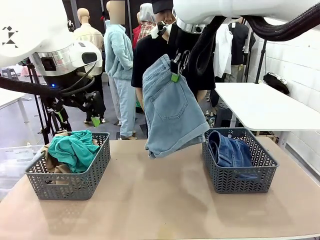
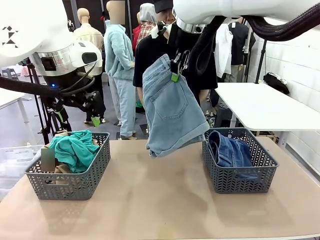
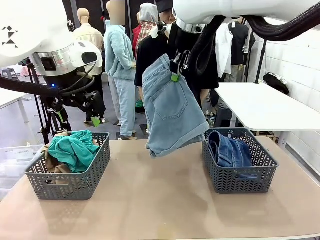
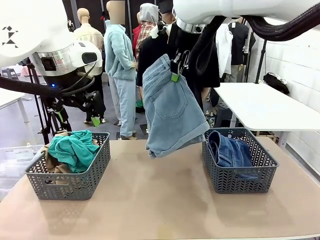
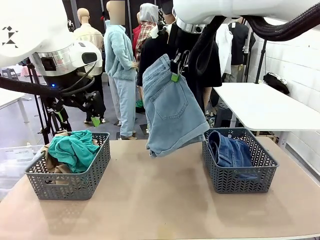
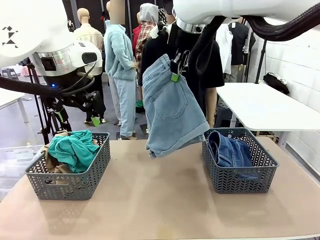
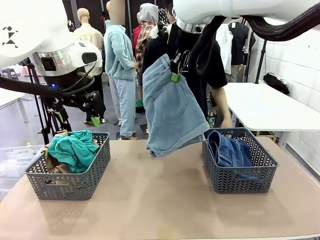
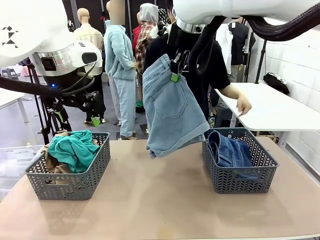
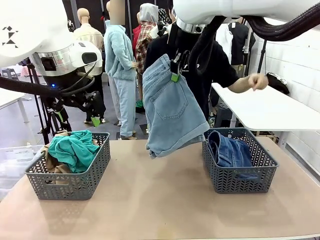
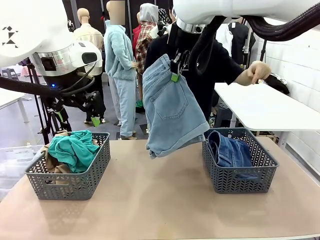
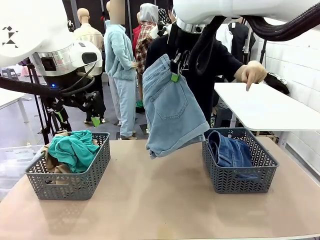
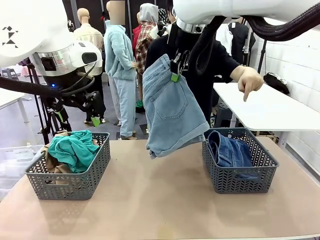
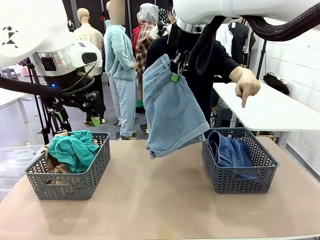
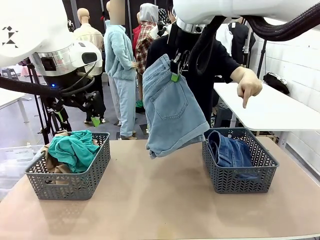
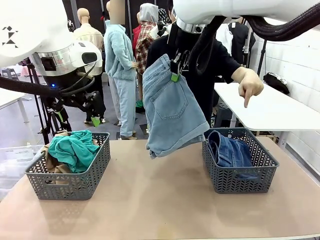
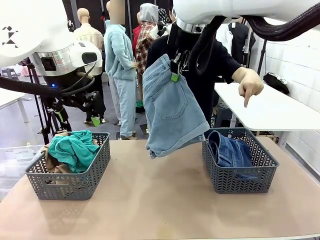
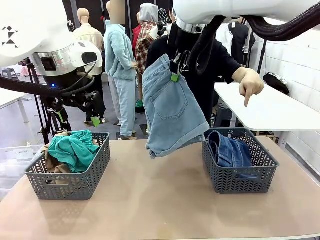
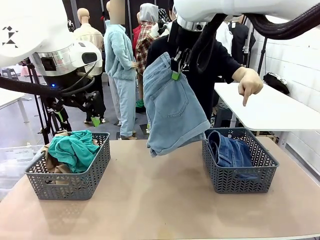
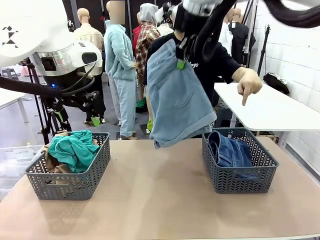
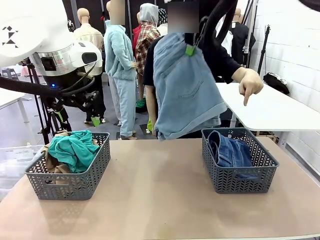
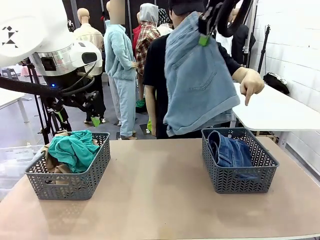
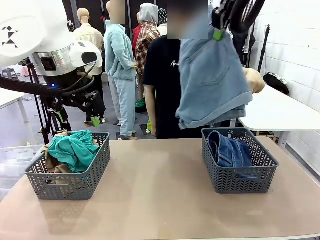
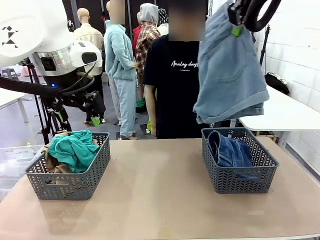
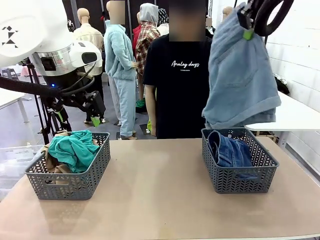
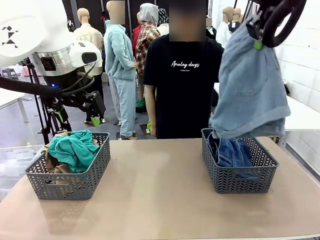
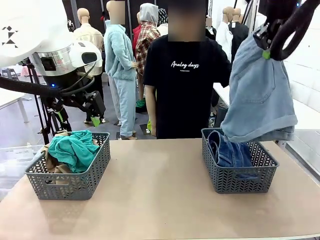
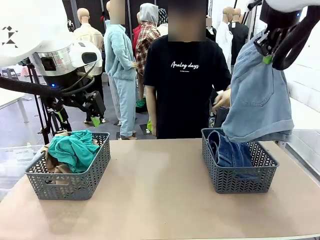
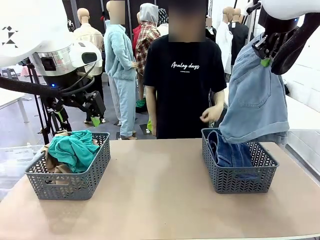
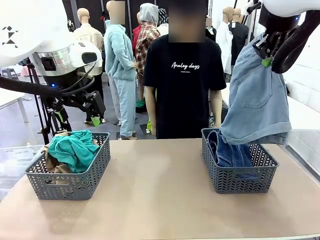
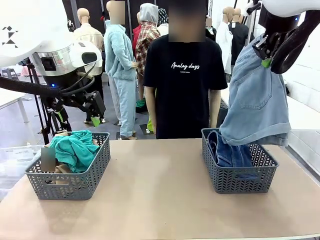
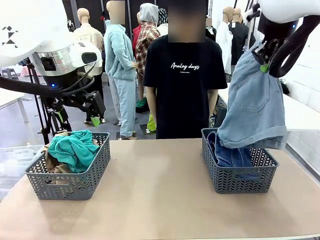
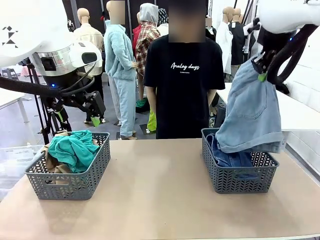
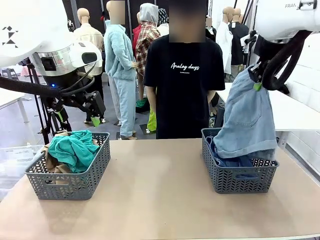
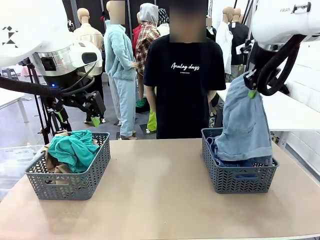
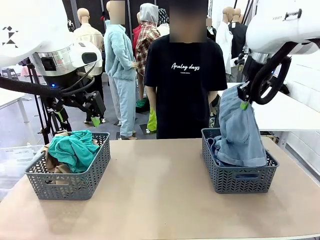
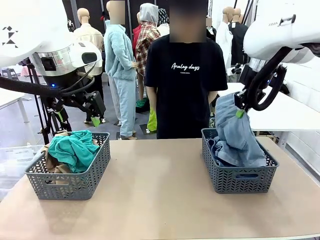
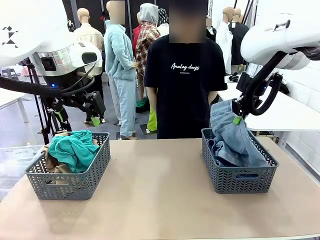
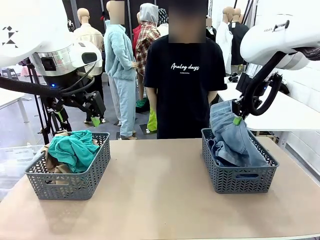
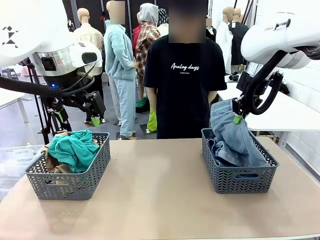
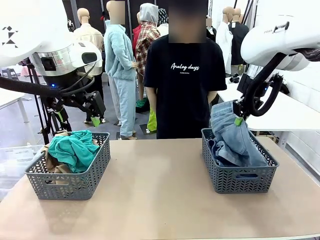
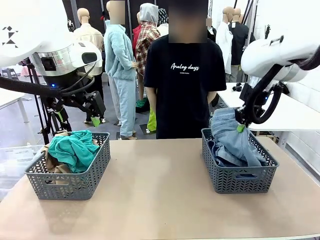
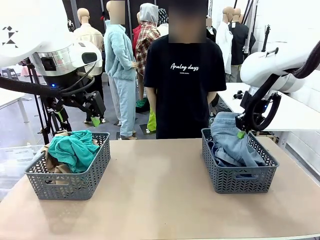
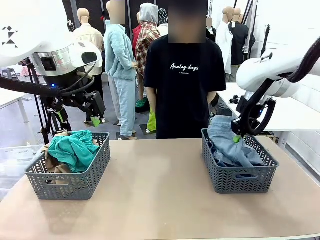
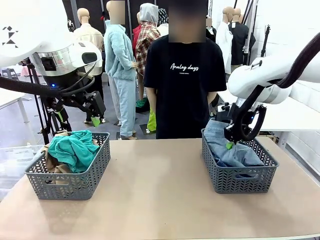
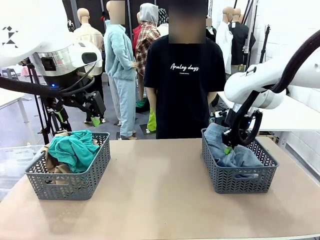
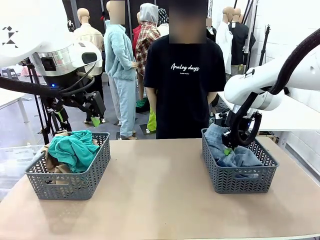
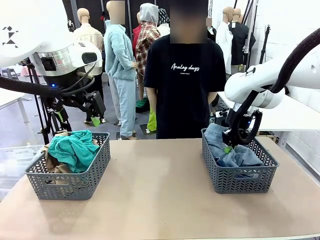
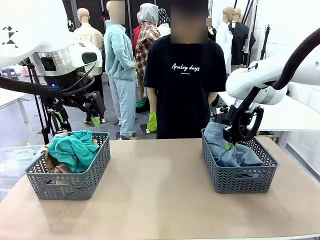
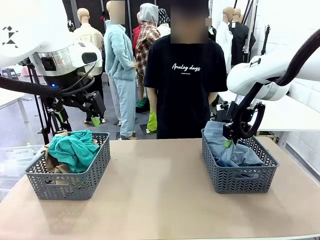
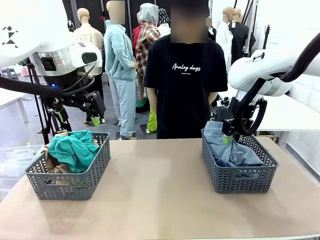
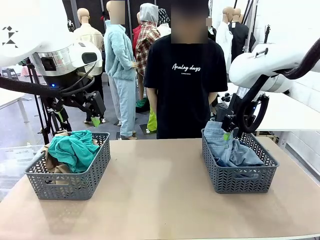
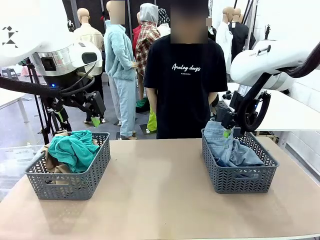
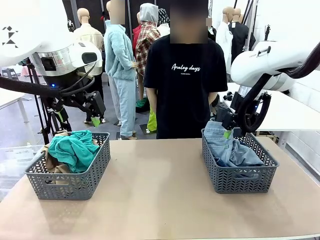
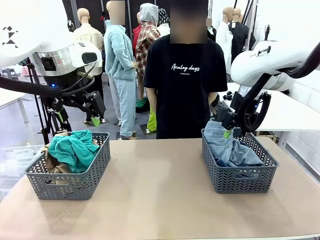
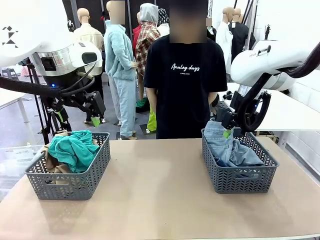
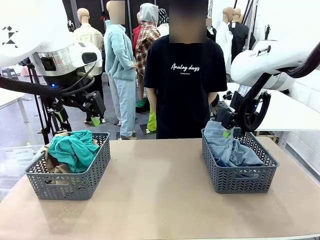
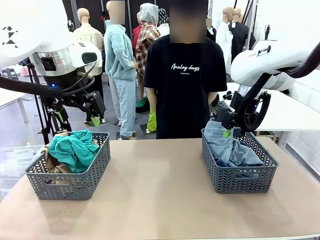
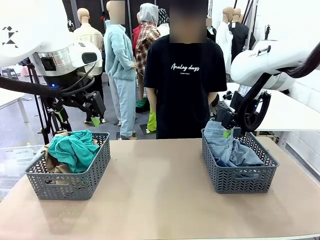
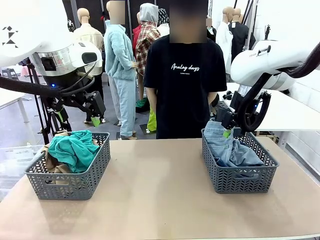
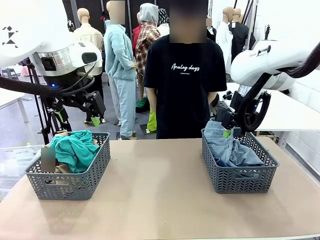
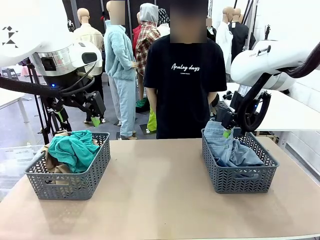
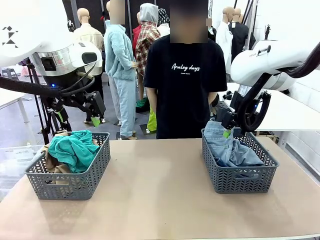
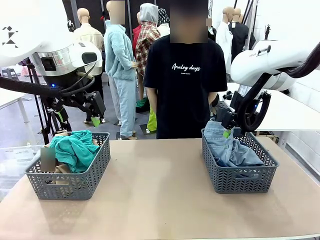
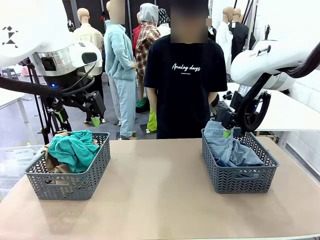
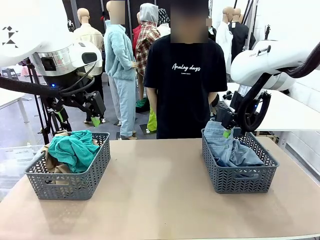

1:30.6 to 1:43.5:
Task: Sort the tops and bottoms.
Robot: Sort the clothes according to human instructions.
